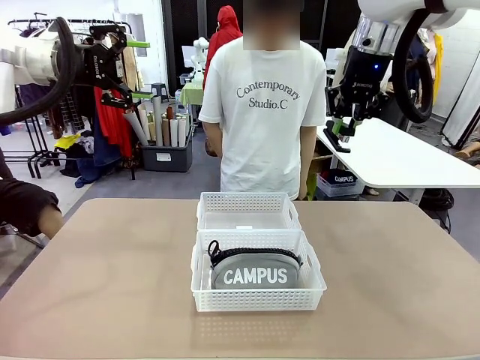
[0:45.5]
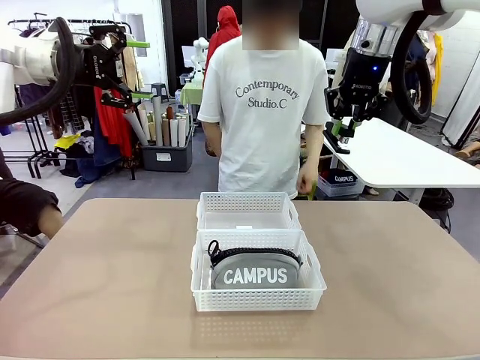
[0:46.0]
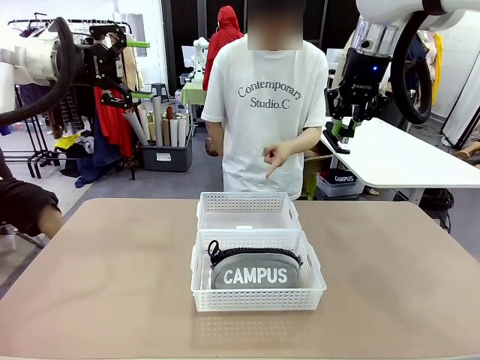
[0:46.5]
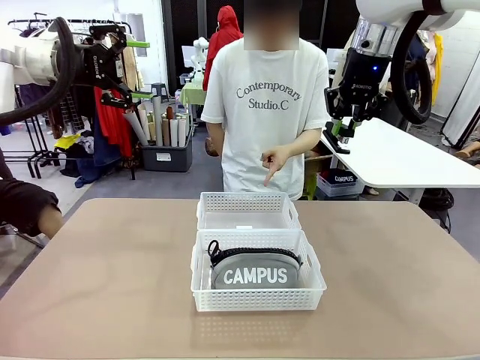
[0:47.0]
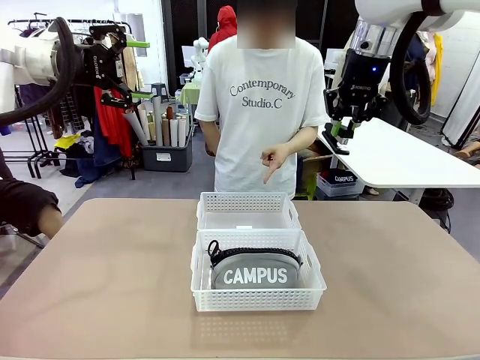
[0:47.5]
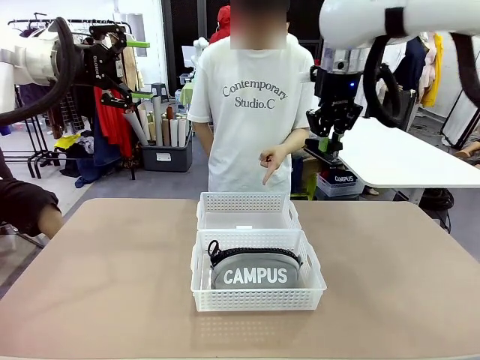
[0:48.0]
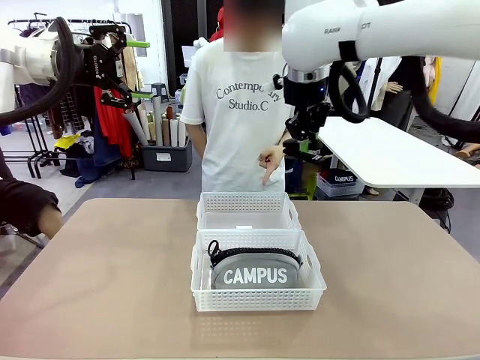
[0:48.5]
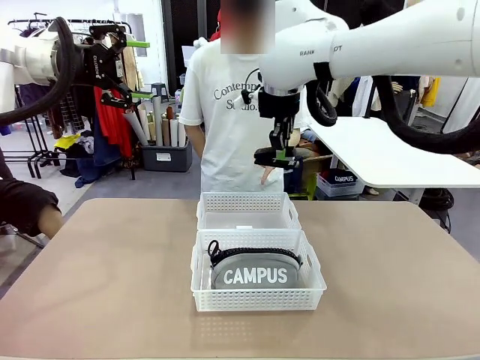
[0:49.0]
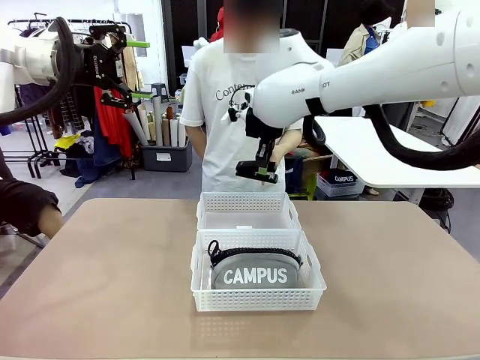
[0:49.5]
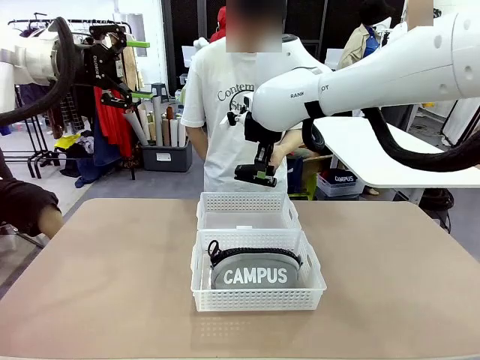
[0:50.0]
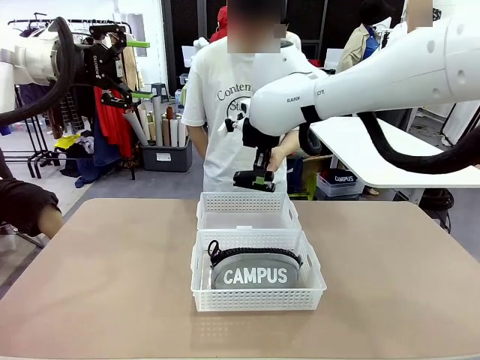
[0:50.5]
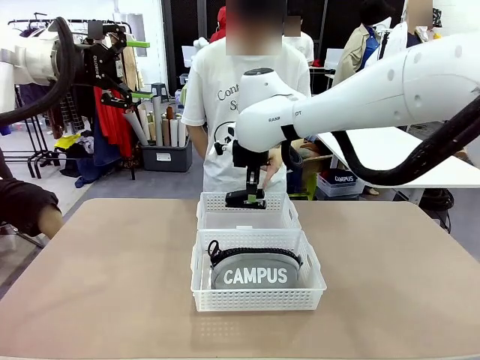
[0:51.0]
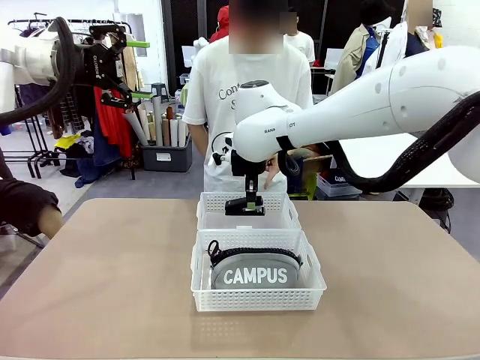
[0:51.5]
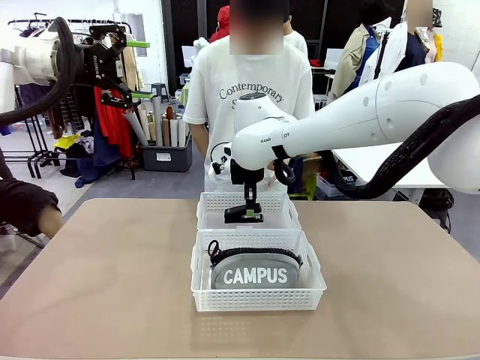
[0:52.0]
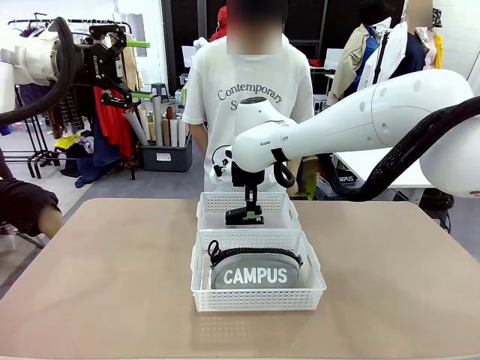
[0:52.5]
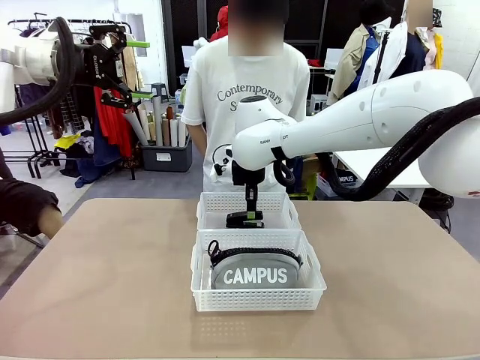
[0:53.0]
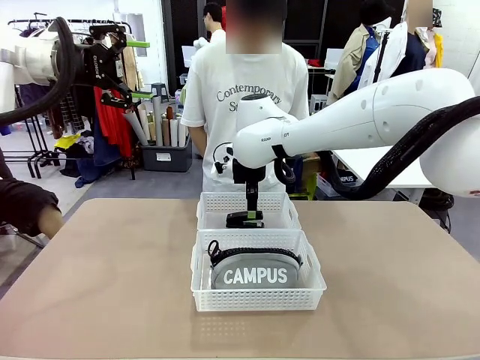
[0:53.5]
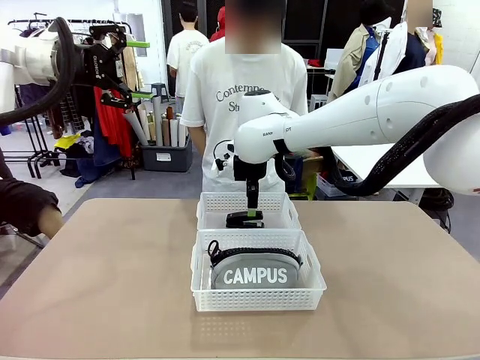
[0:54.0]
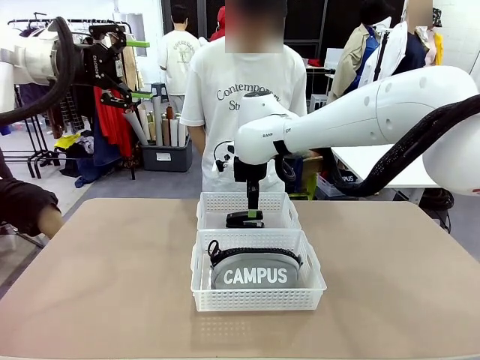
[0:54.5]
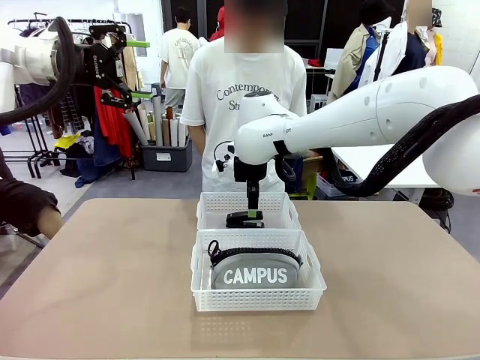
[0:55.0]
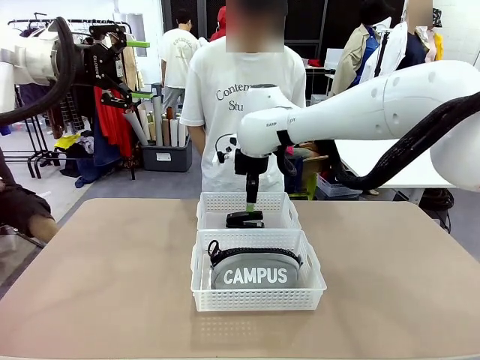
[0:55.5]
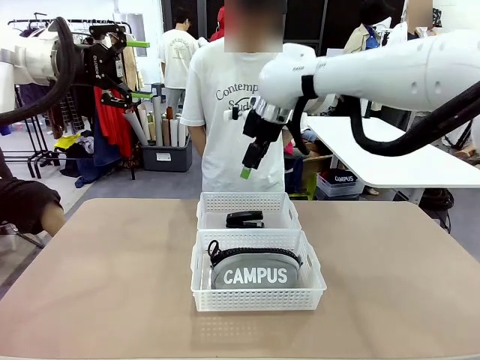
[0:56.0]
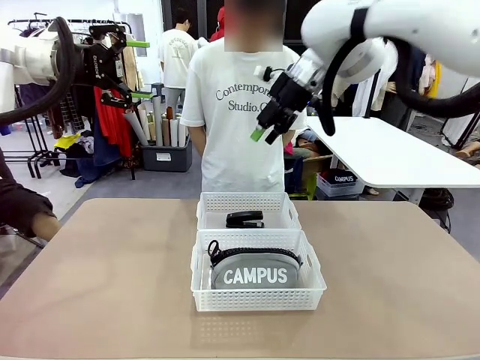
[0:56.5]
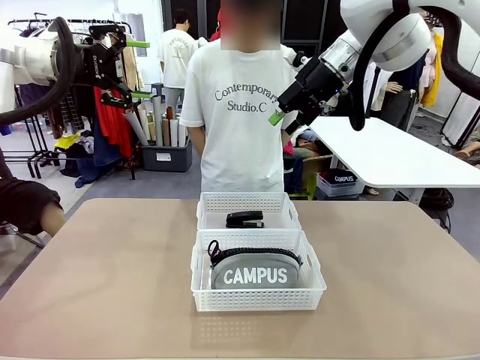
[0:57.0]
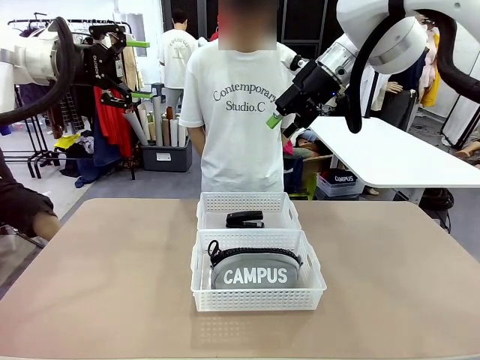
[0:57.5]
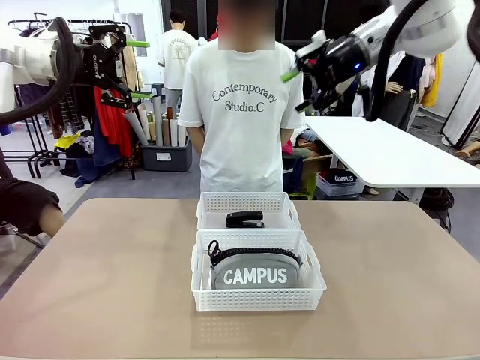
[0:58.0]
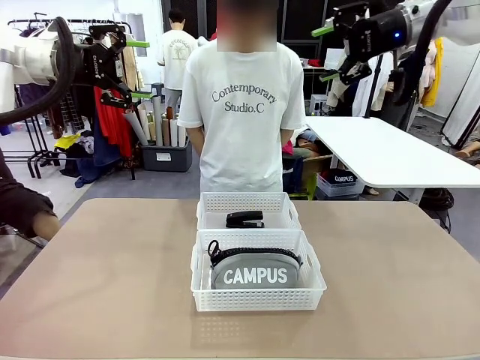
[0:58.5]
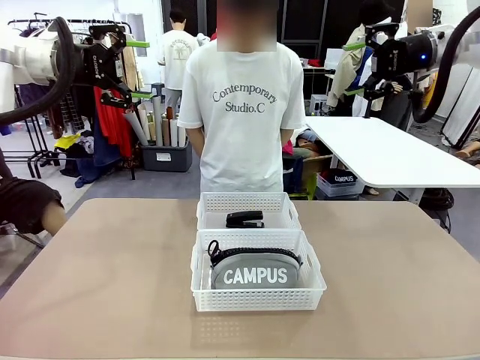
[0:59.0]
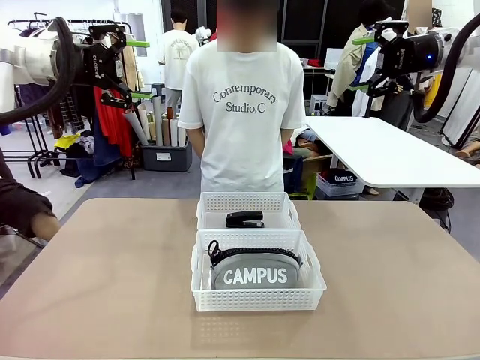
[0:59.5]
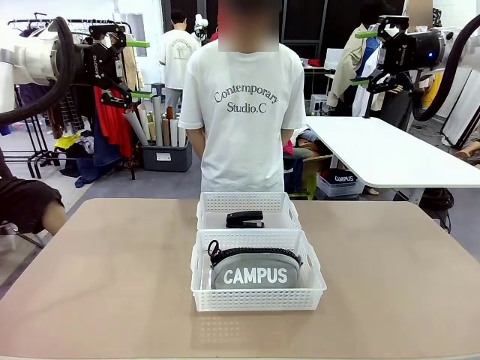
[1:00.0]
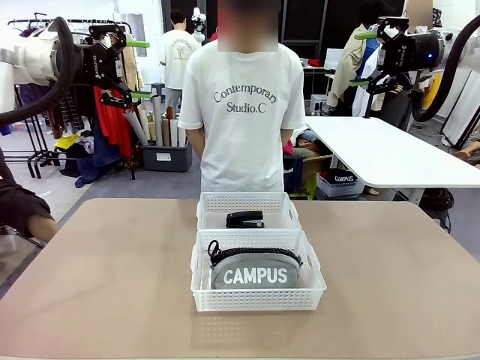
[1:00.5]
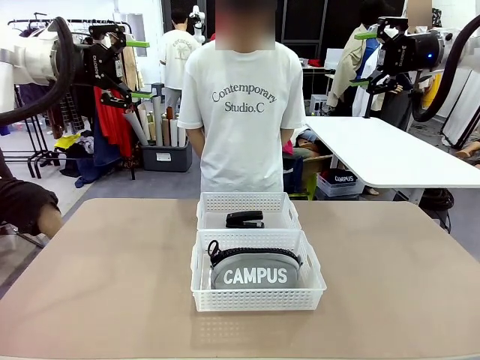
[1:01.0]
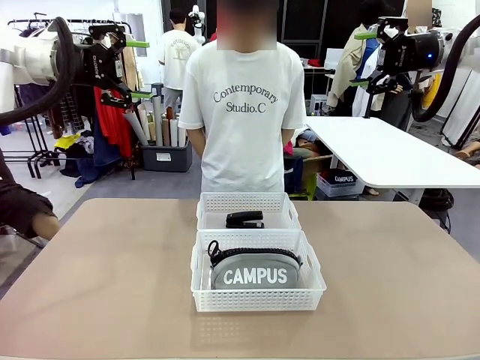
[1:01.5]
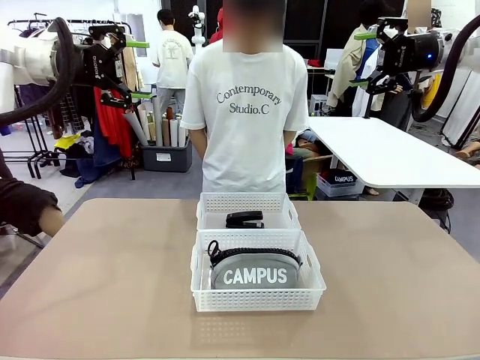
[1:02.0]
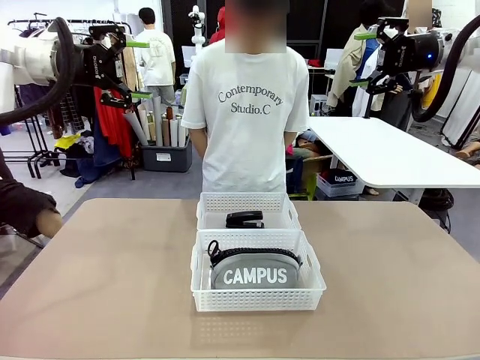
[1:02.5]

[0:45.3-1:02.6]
Task: Distribute items into two baskets.
Robot: Place the picked Stapler into the Organizing basket as instructed by the person.
Person: Points to the basket that does not contain the pencil case and instructs the robot to move the stapler there.

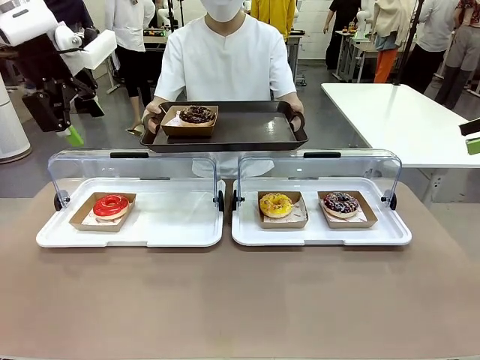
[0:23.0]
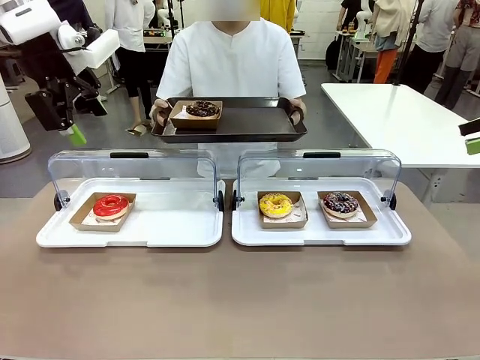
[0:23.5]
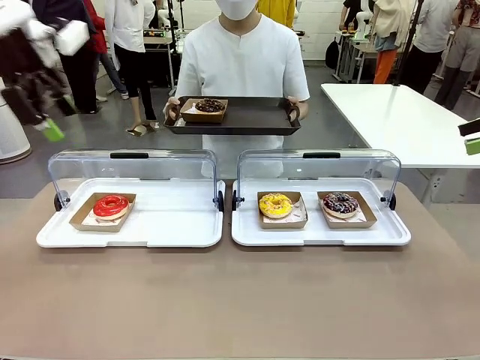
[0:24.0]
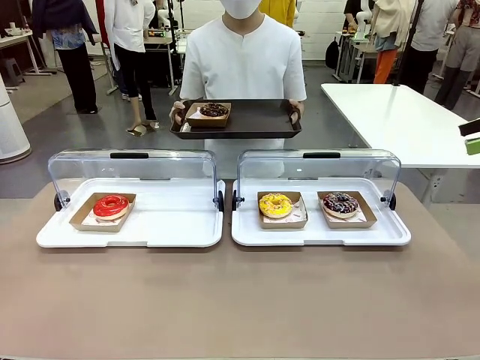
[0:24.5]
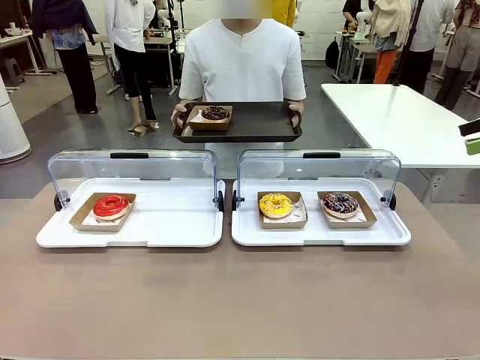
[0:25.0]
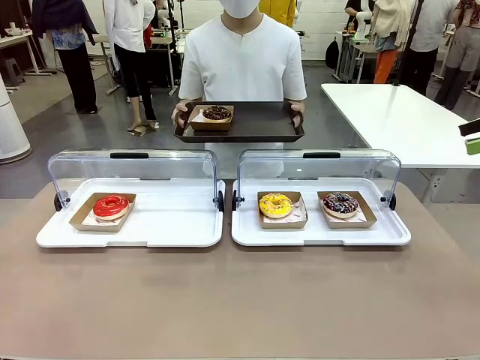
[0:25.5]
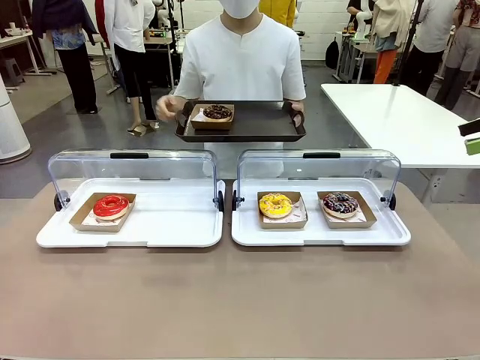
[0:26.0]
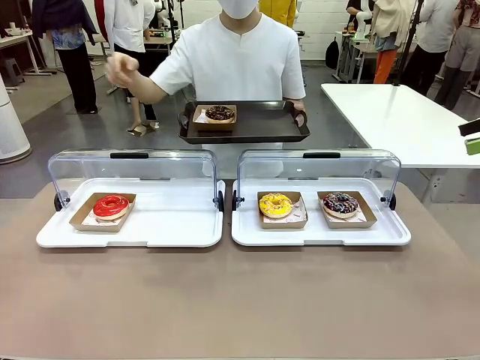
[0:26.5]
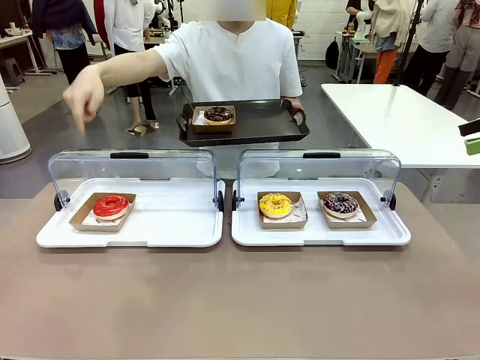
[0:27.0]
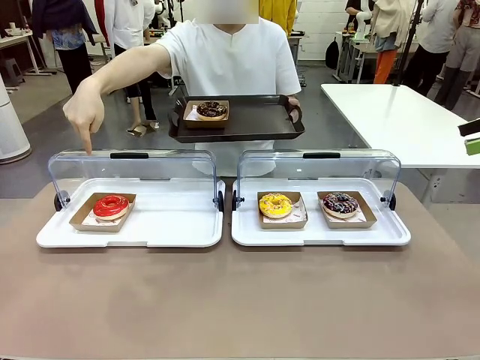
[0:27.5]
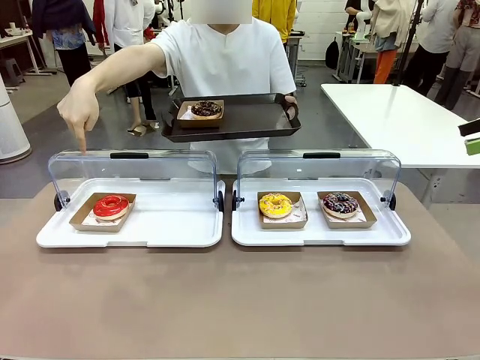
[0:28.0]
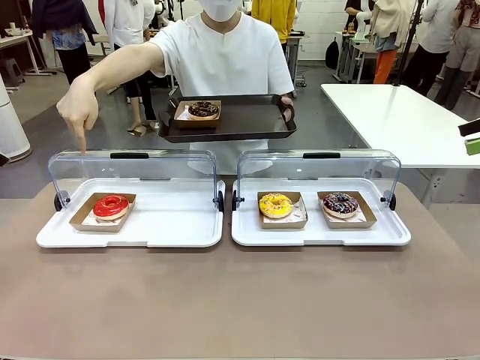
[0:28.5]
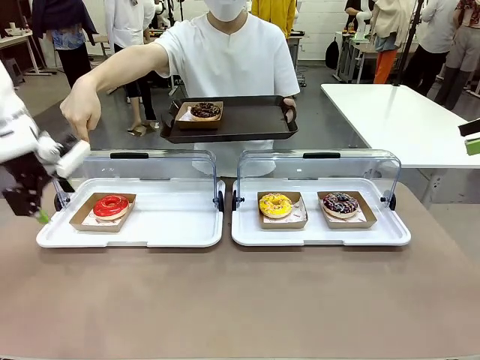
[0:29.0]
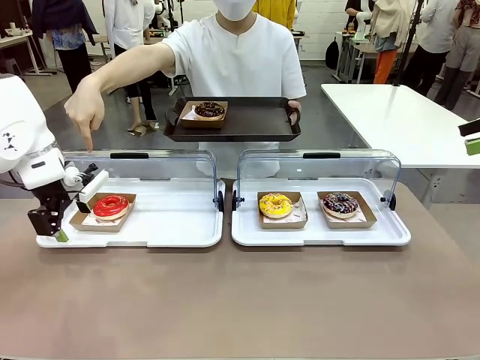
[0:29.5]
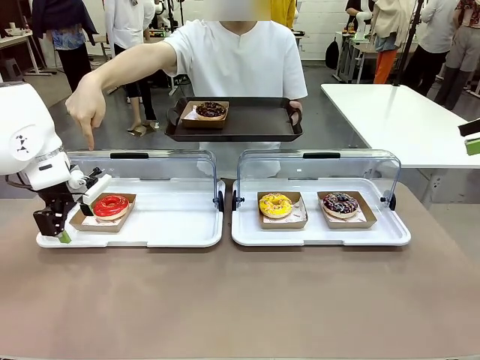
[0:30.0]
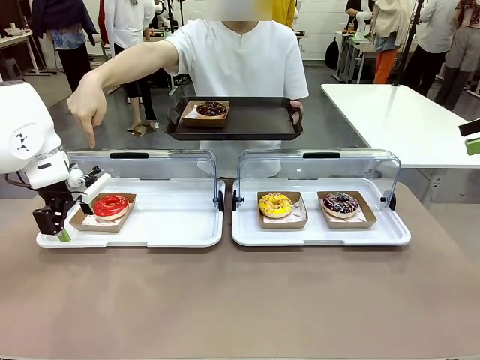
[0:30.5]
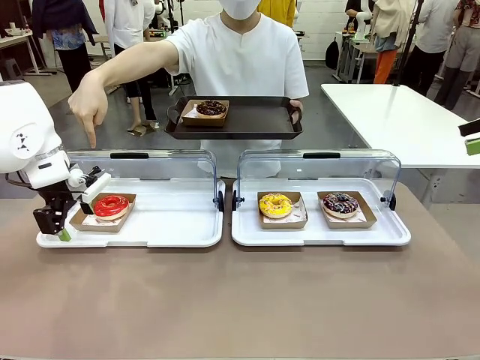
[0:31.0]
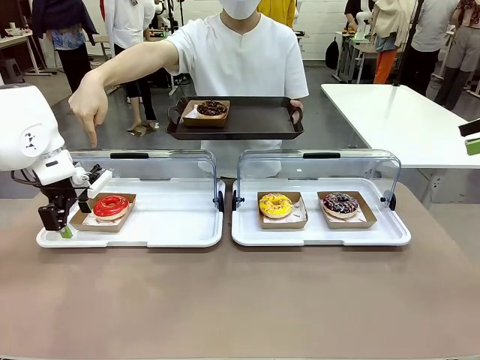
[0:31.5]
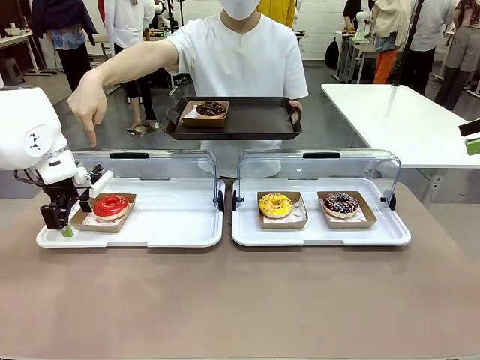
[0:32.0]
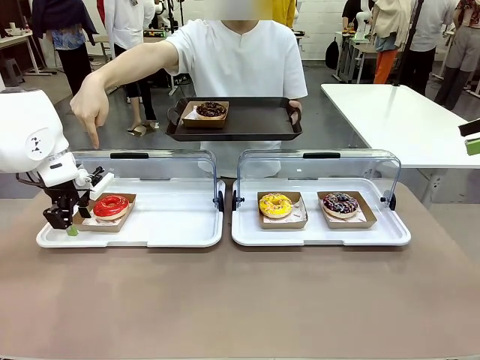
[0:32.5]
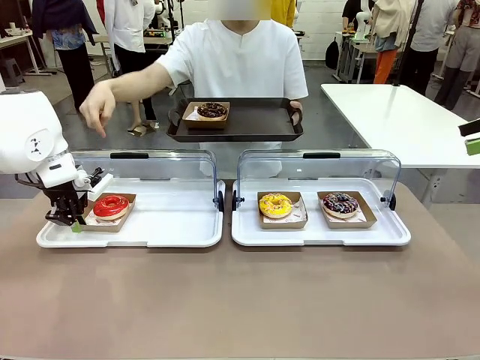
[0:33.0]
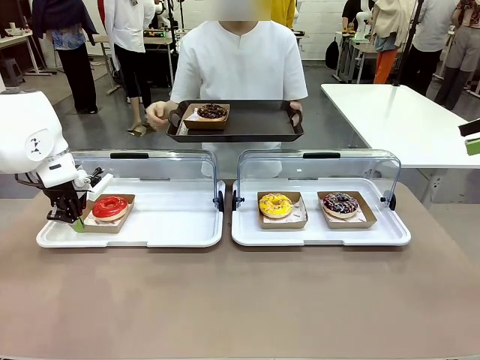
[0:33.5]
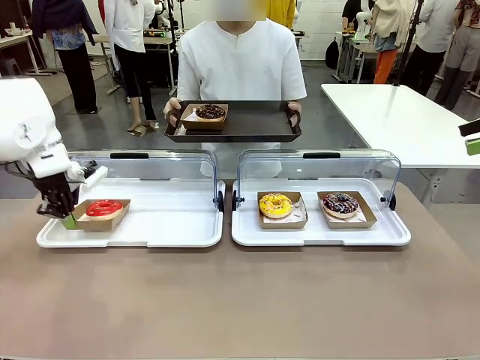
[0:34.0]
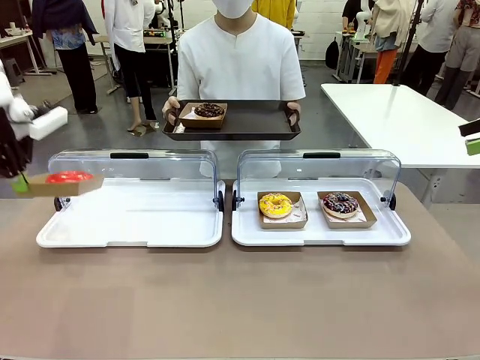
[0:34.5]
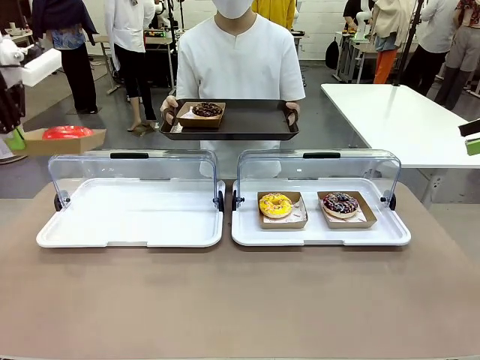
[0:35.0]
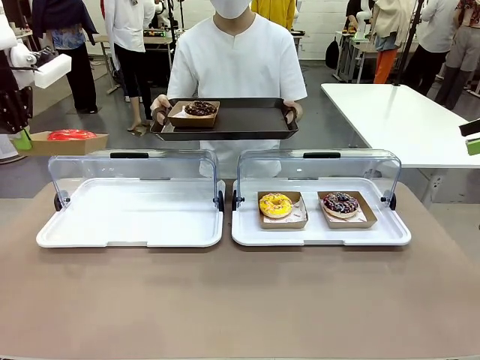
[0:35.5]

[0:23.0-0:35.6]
Task: Provide the desired donut to the person.
Robot: Pick up and lift the Paper togo box containing the Donut pointed at by the person.
Person: Point to one donut. Lift the tray onto the Roll-Top Bakery Case.
